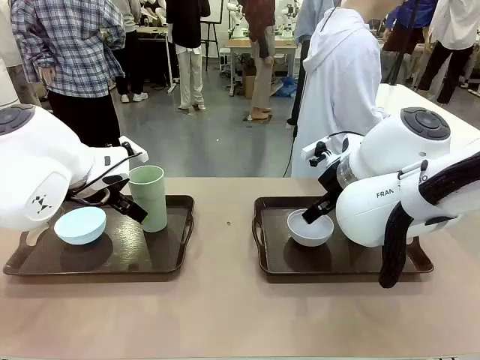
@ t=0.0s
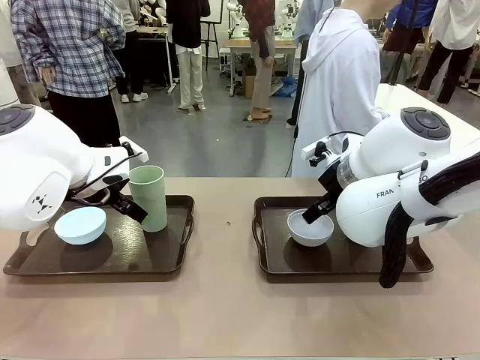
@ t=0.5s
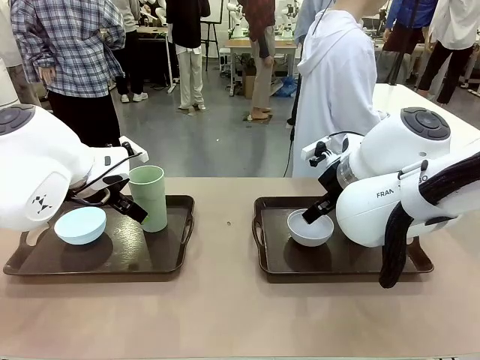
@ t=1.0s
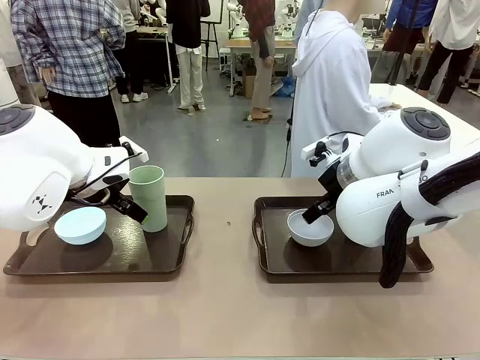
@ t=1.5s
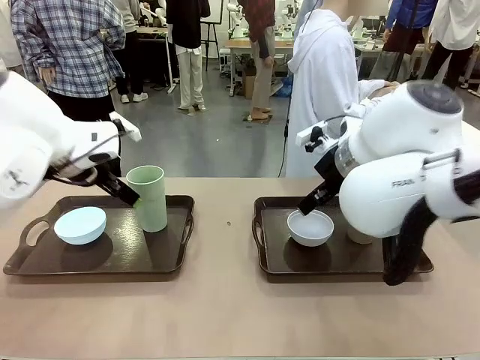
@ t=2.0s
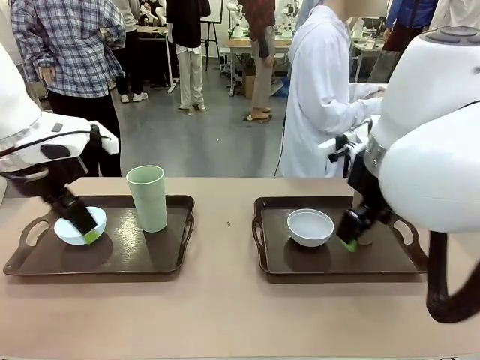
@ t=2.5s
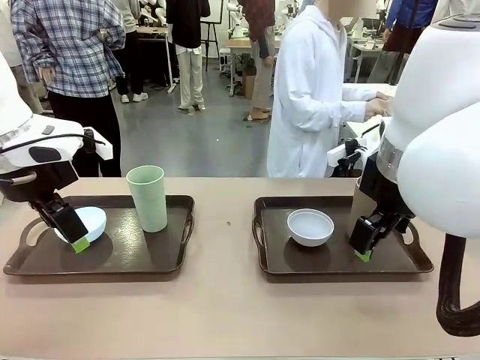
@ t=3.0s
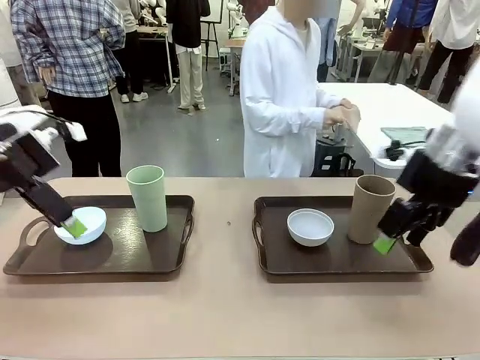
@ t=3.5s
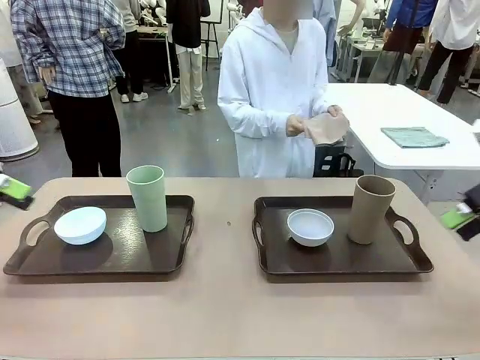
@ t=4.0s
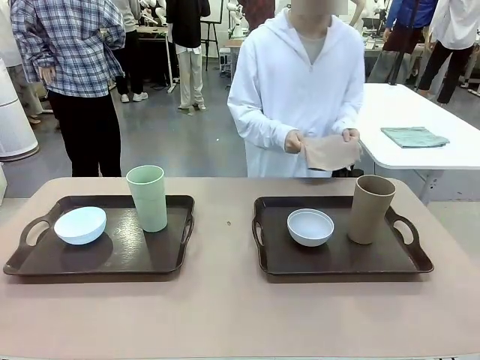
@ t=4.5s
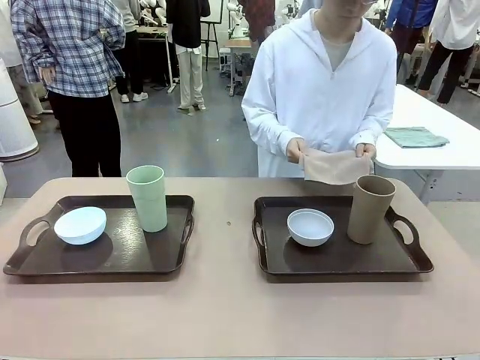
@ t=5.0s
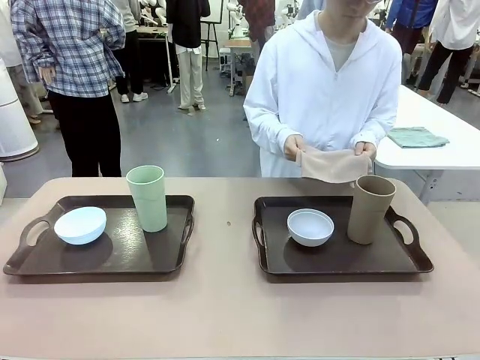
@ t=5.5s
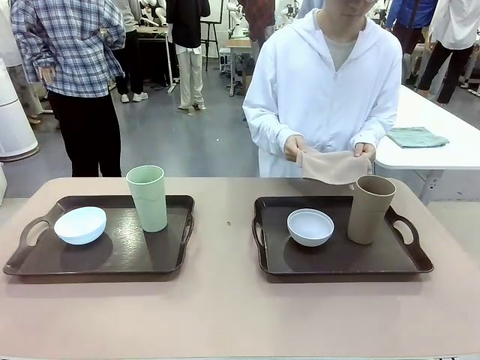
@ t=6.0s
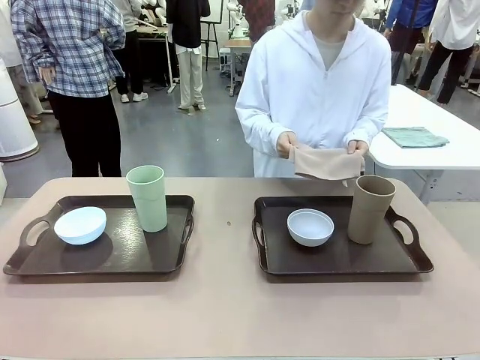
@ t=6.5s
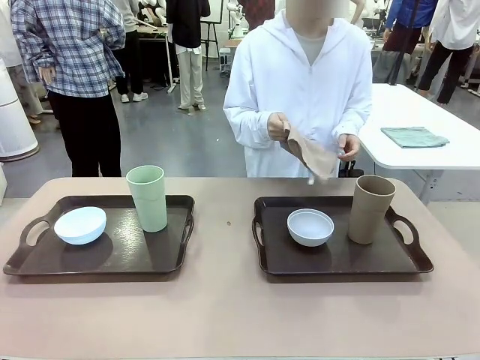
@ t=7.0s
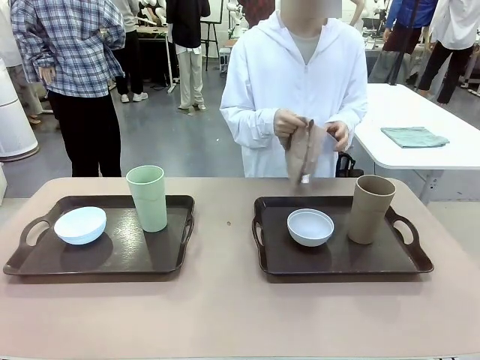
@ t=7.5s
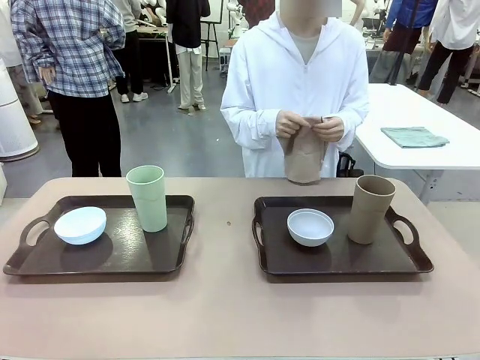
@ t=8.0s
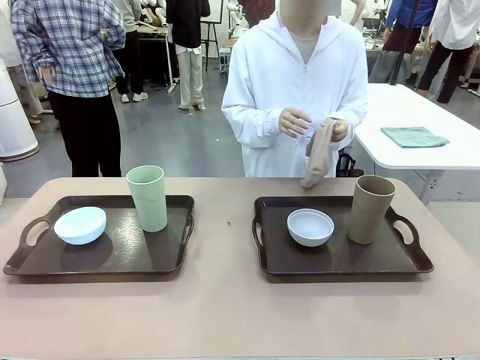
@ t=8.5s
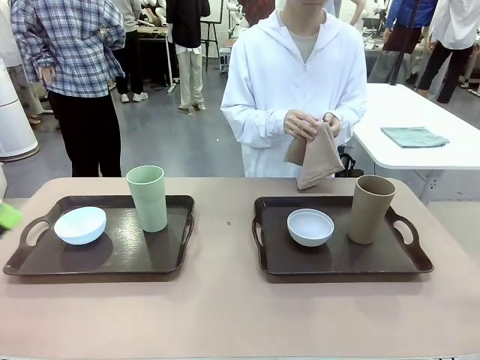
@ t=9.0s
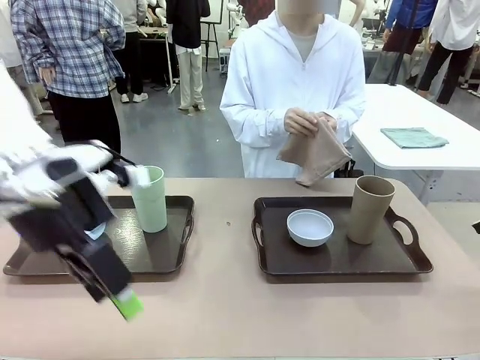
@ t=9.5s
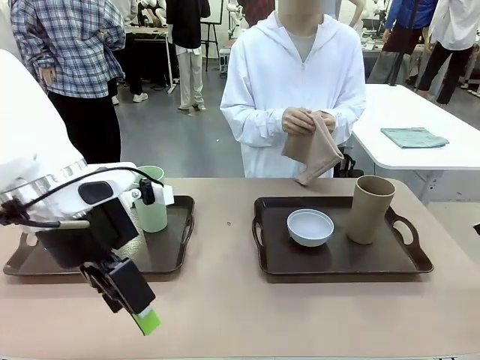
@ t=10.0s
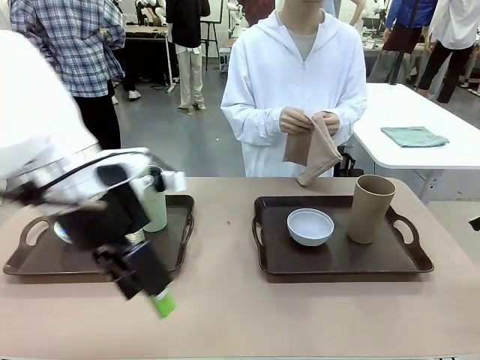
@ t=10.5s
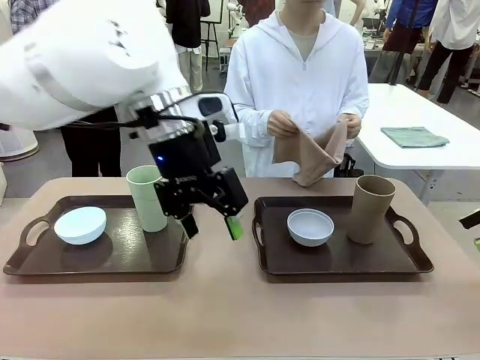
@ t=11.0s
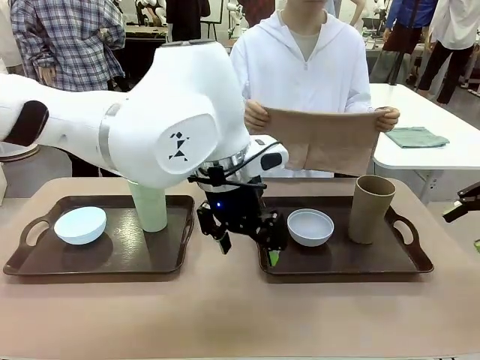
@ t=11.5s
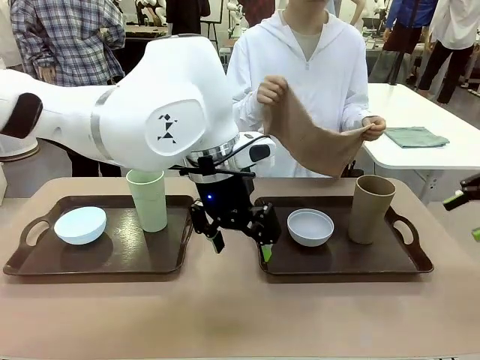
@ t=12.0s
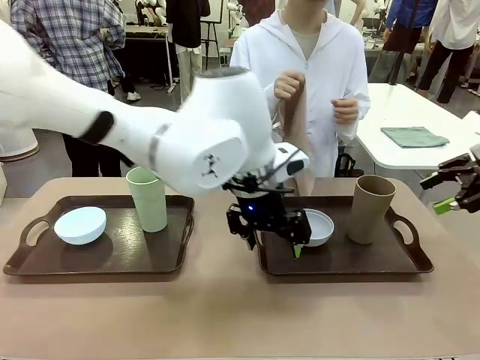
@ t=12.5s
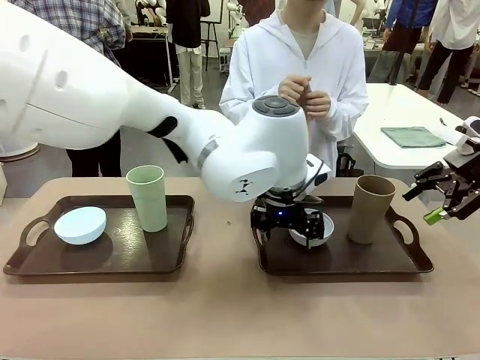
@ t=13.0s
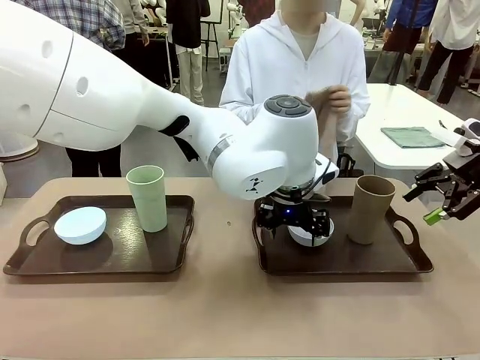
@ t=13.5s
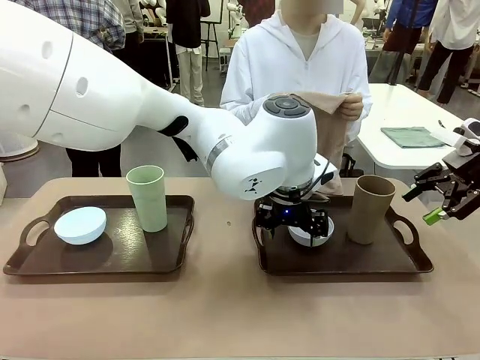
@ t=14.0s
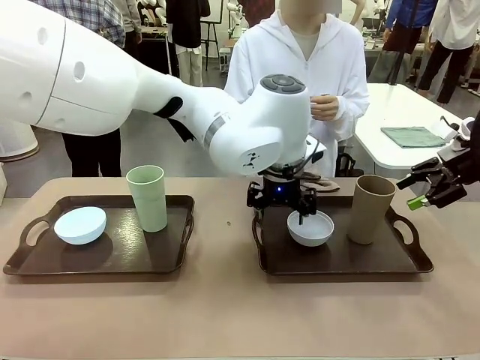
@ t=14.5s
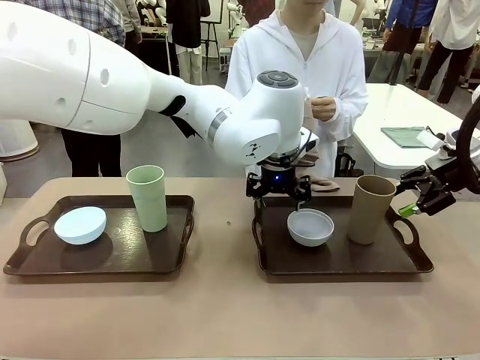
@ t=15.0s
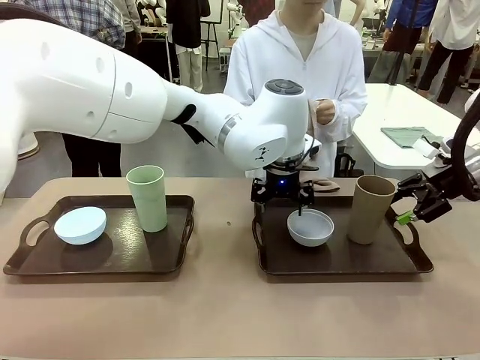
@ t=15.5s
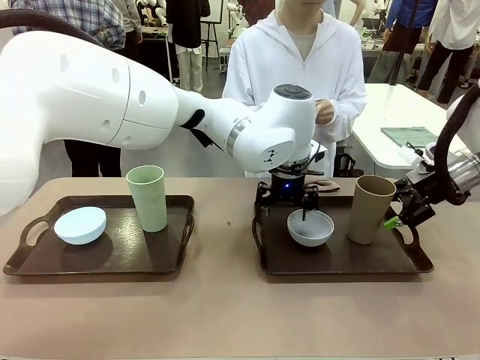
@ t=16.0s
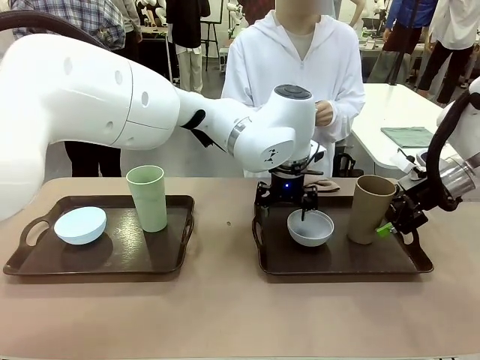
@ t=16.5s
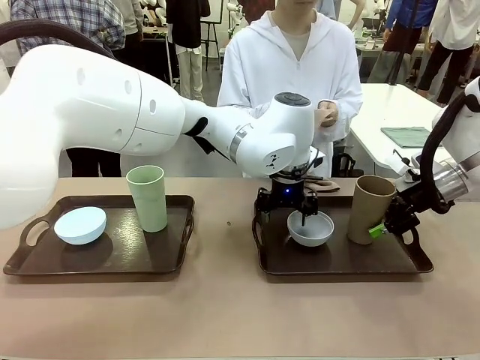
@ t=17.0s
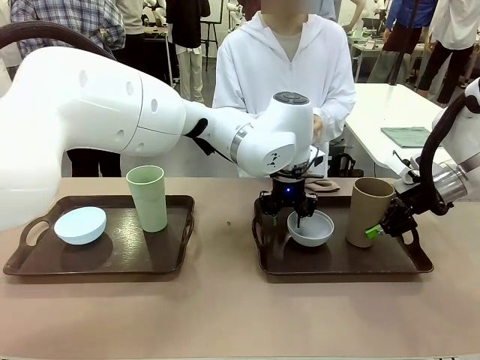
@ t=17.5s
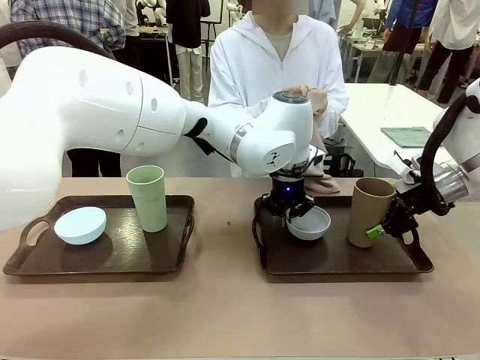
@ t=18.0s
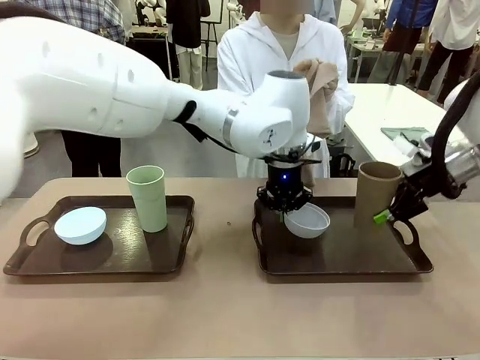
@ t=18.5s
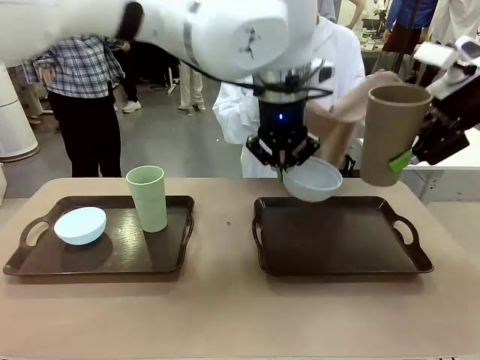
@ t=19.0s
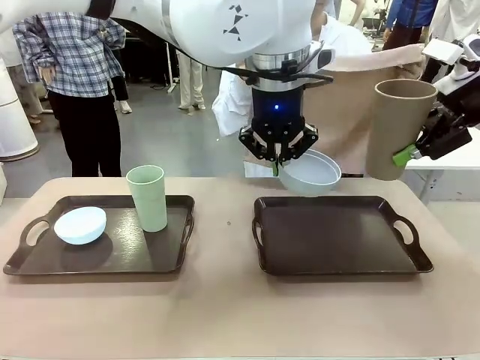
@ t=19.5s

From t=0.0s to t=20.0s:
Robot: Pick up the Picnic Bowl and Reusable plastic cup from the Handle tray in front of the human's position and hold them in the air.
Person: The human picks up the top napkin from the stack on the human table and walks to the robot table to stand in front of one of the two trays. When the robot lifts the bowl and the cup, the human unfolds the napkin and lays the napkin flat on the tray.

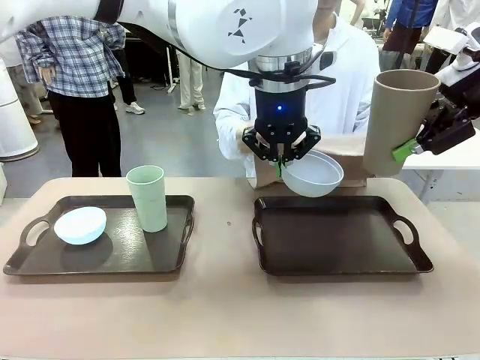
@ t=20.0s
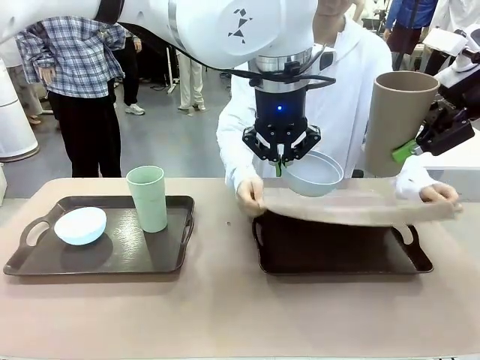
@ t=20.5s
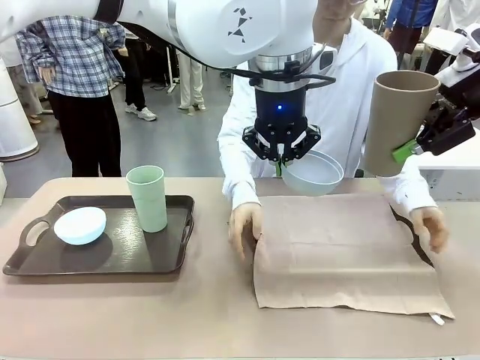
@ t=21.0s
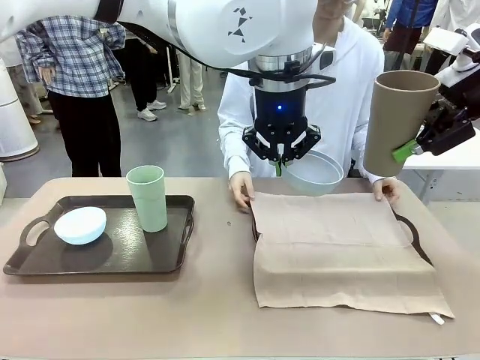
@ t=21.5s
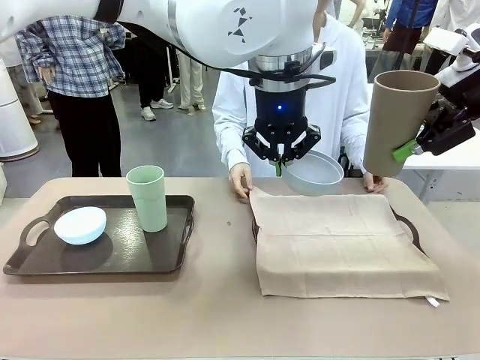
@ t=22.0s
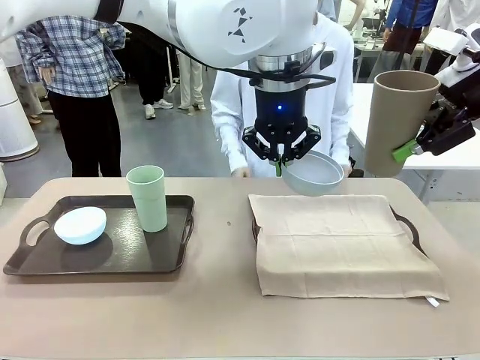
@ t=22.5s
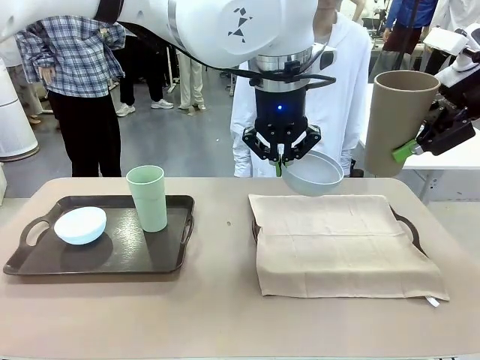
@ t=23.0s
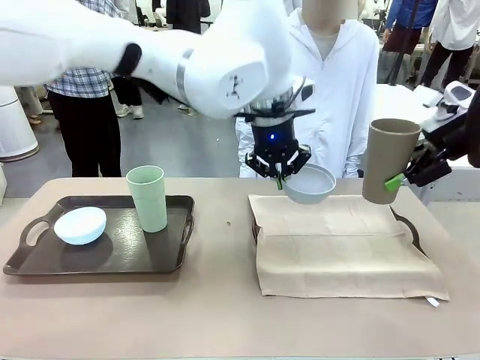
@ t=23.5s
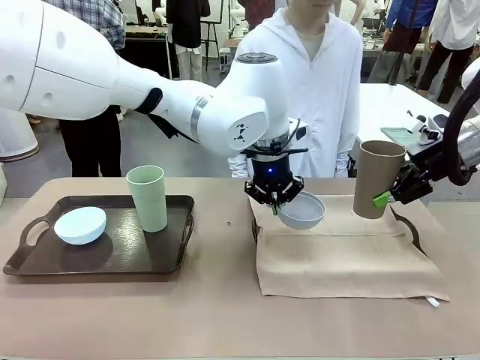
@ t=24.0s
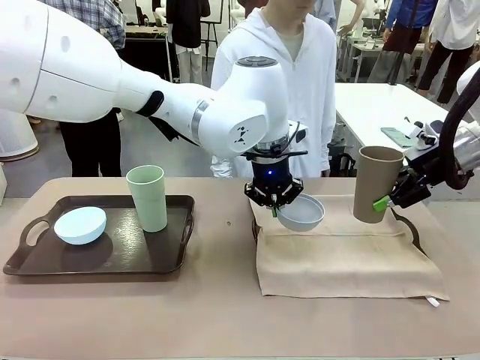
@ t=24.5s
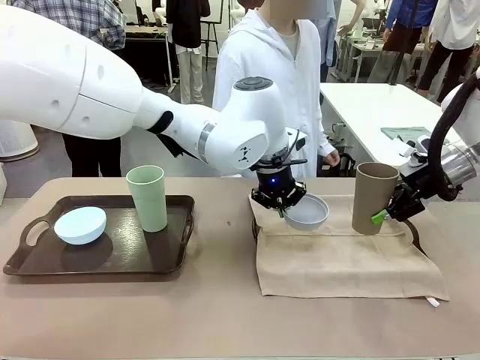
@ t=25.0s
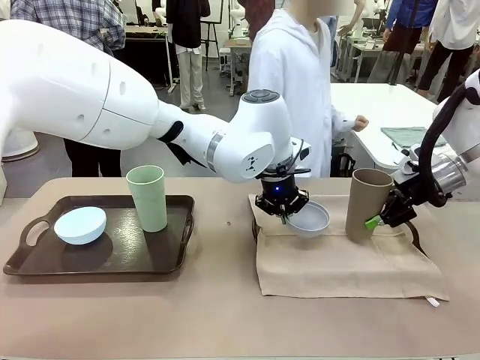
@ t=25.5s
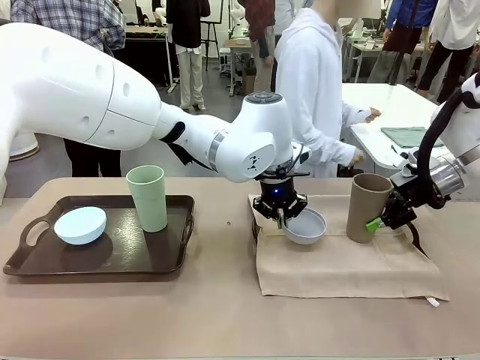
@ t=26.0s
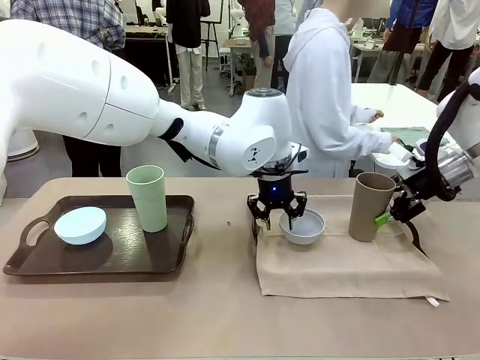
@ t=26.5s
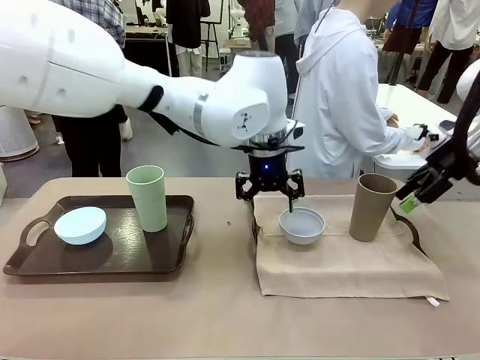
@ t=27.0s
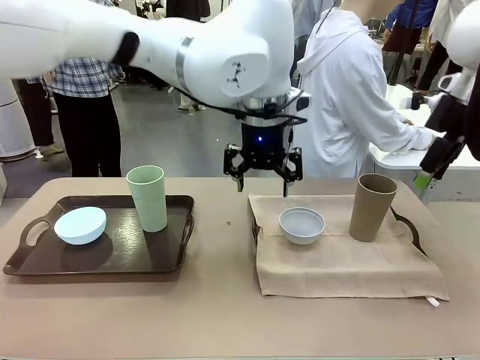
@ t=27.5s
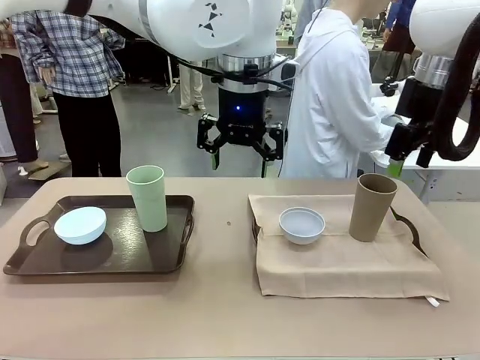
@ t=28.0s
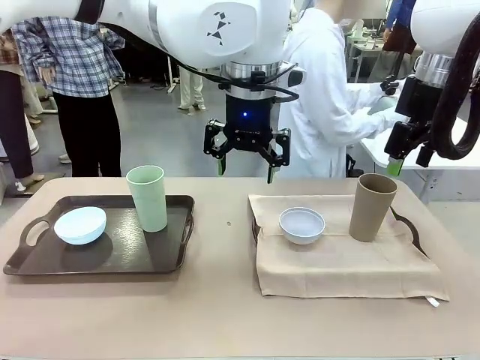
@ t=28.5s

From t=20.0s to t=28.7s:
Robot: Place the Picnic Bowl and Reusable plastic cup back onto the Handle tray in front of the human's position.
